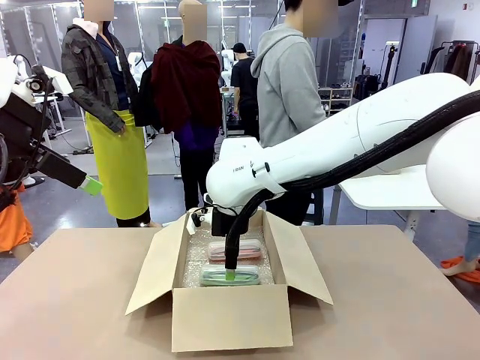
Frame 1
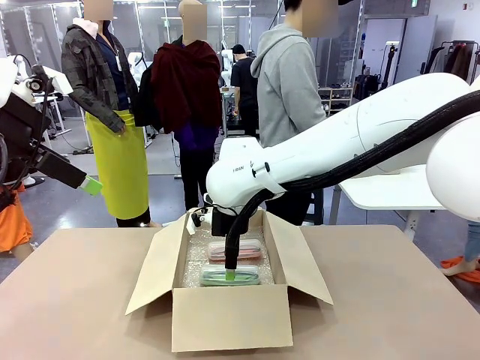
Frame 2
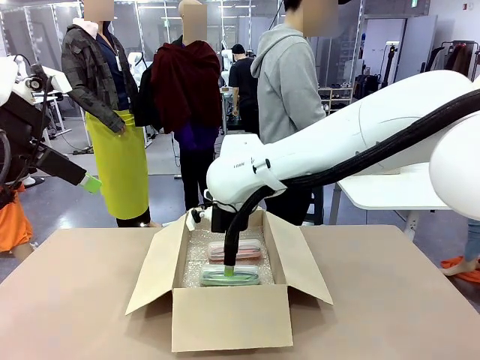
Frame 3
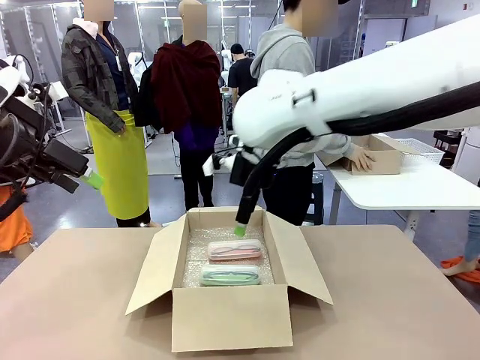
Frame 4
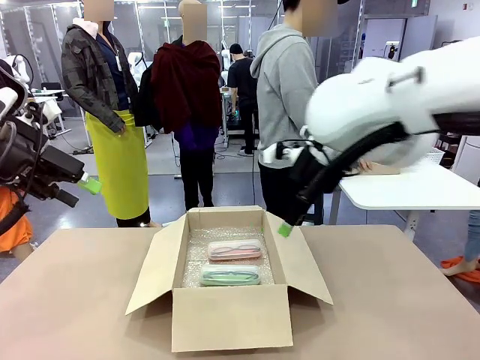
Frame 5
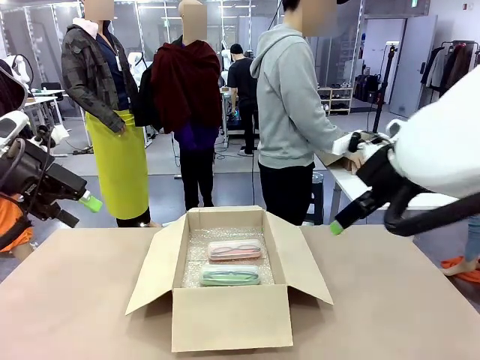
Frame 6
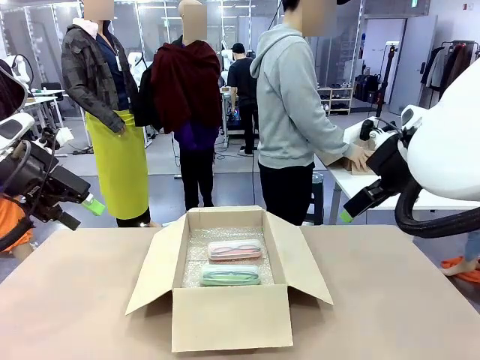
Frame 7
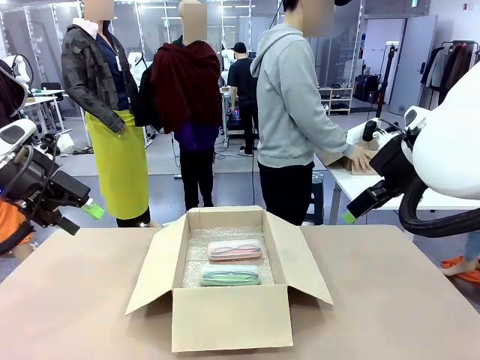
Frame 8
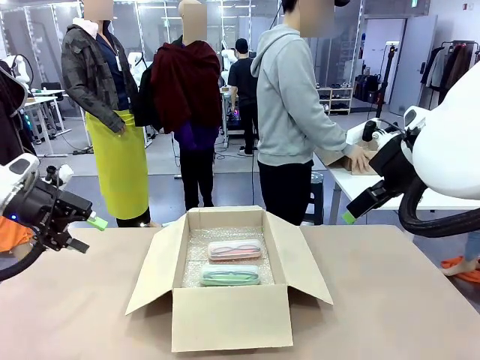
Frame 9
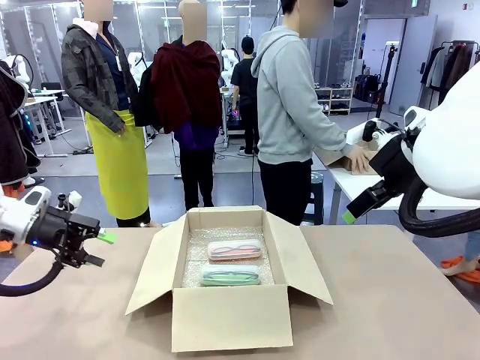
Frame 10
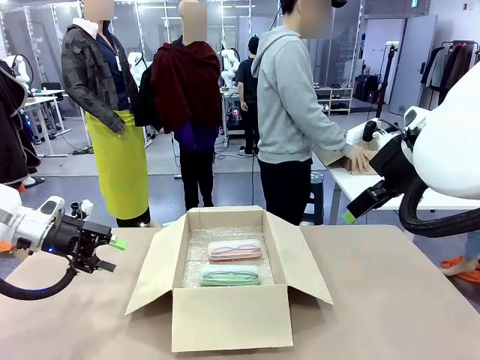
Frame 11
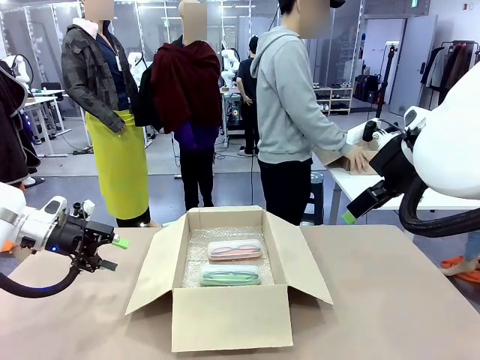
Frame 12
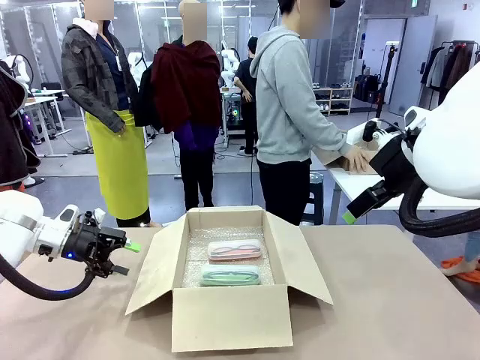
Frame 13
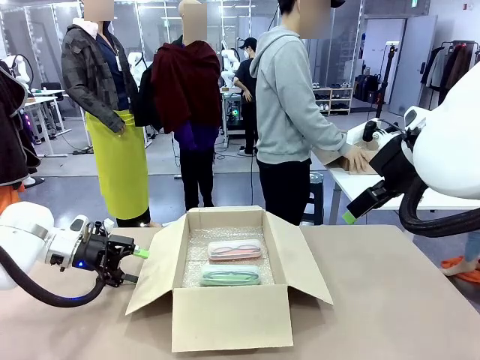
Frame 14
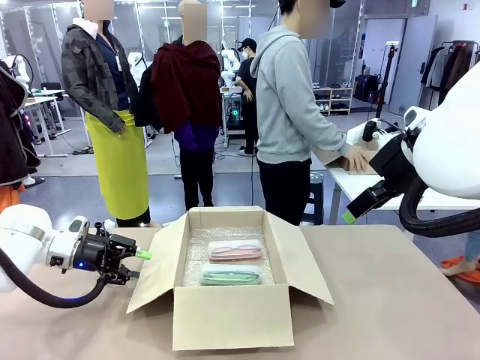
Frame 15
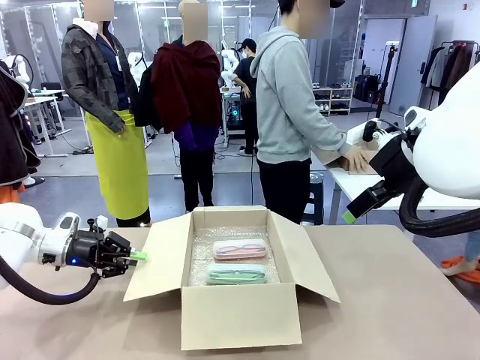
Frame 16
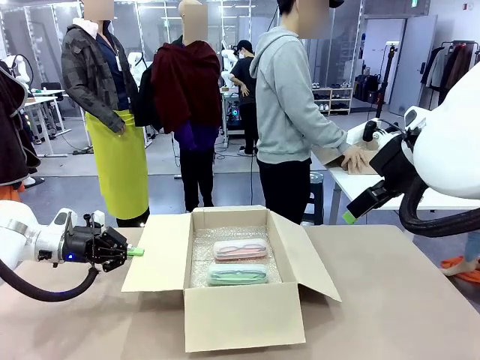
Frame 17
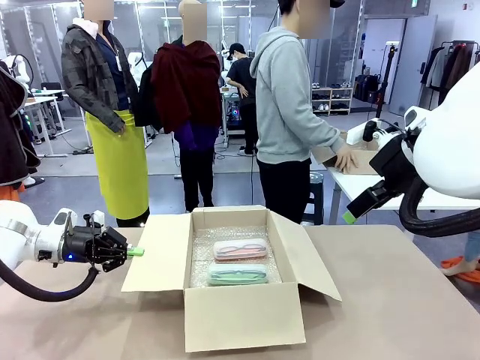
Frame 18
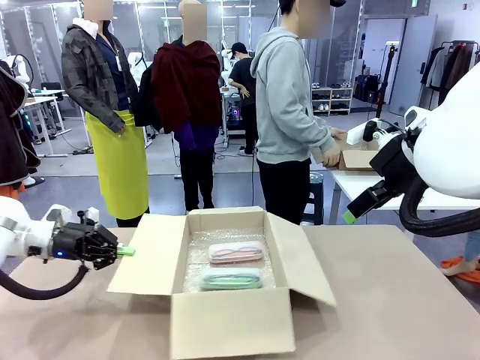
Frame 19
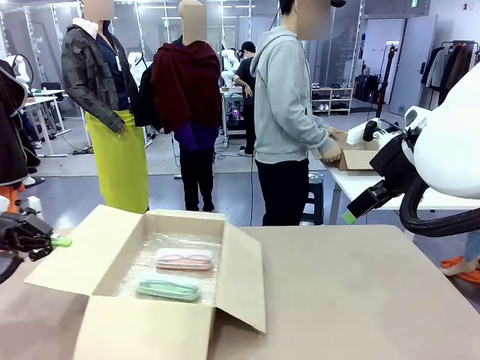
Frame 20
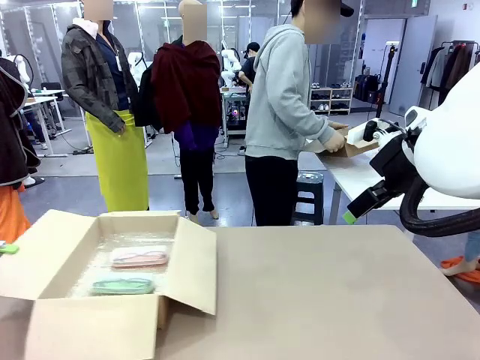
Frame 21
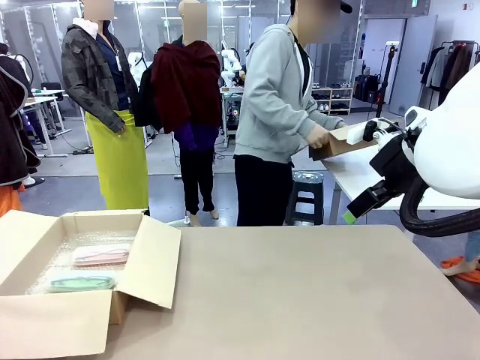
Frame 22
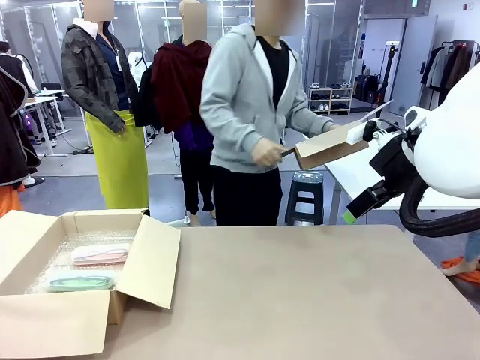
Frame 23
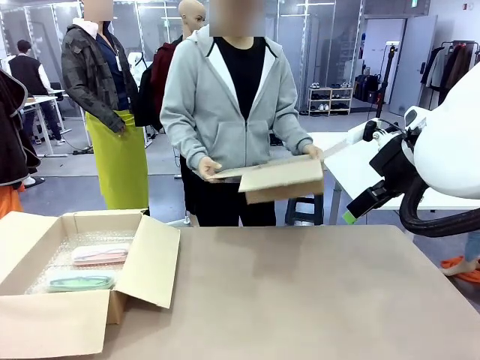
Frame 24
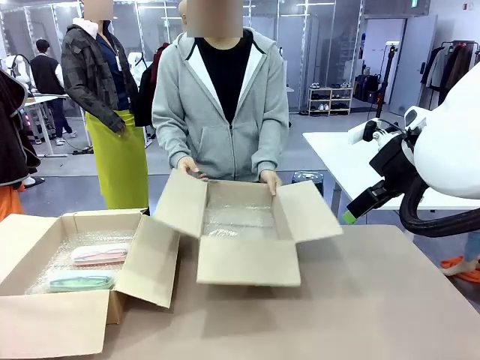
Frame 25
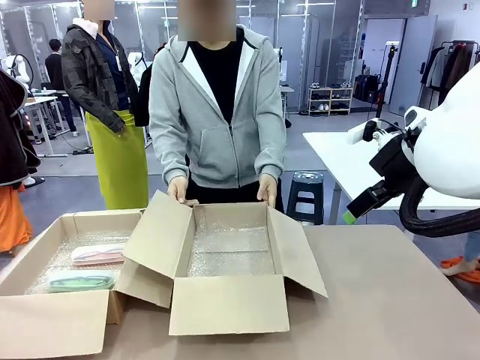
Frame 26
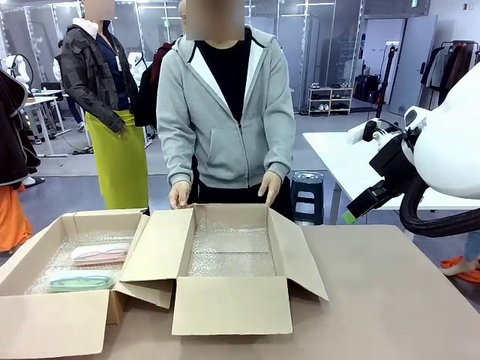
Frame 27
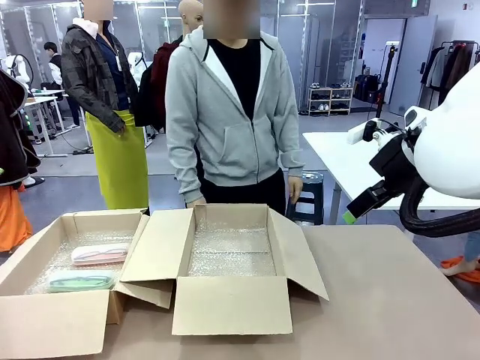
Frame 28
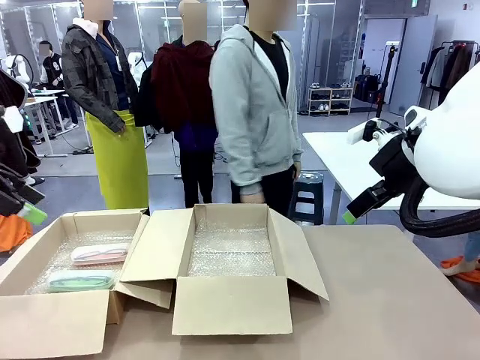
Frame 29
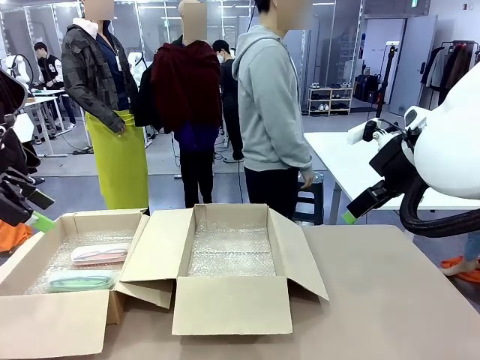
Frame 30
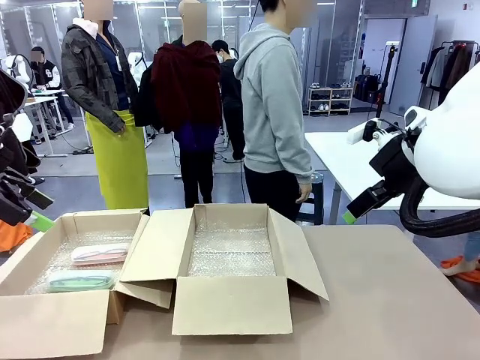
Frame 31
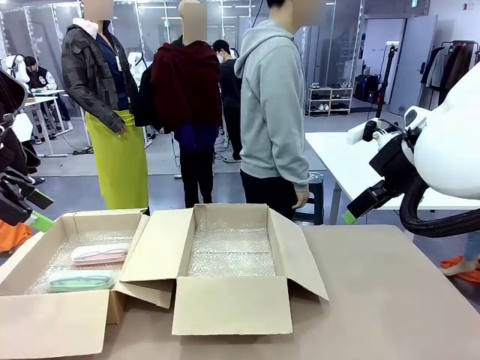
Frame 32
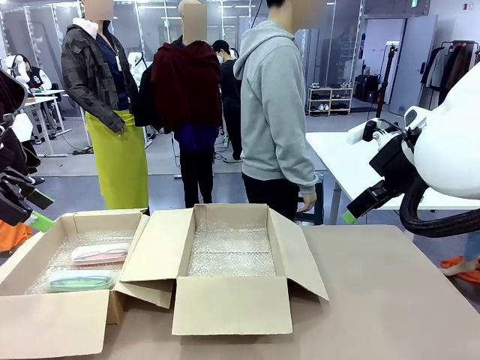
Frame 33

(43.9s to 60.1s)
Task: Pack the glasses set securely to prepare it for shipping.
Robot: Position the Package Box on the left side of the table.
Person: Position the empty Package Box in the middle of the robot's table.

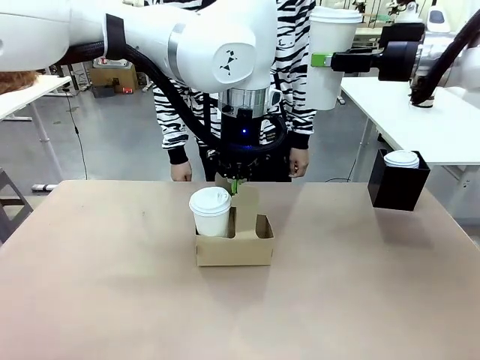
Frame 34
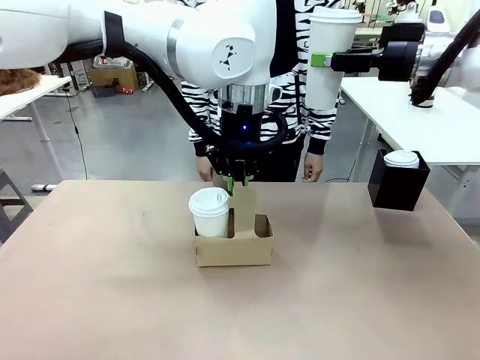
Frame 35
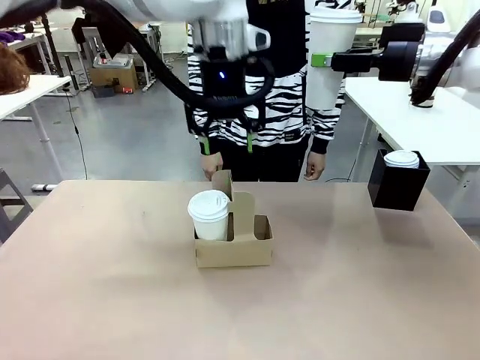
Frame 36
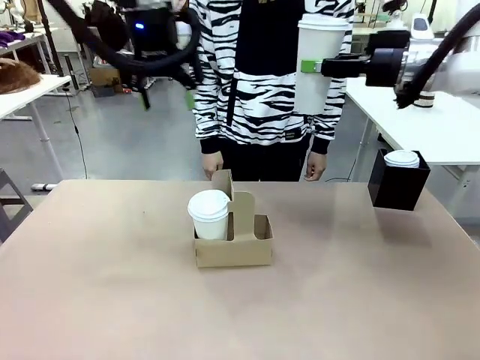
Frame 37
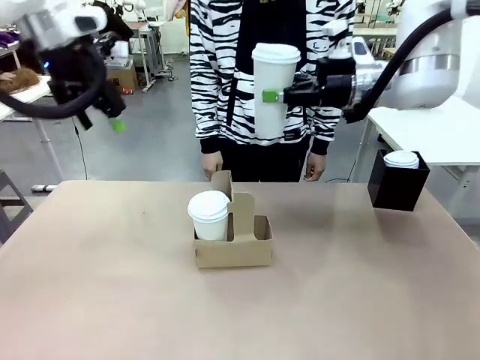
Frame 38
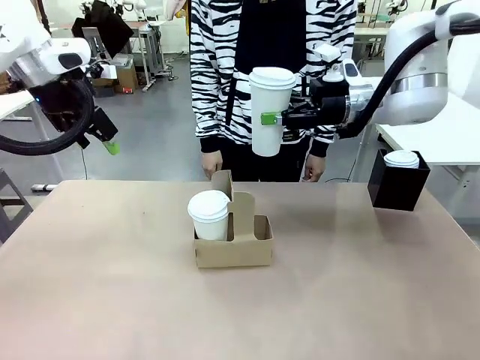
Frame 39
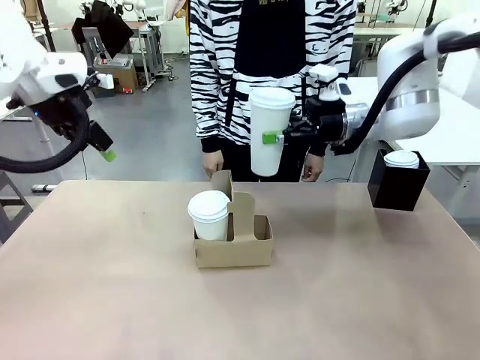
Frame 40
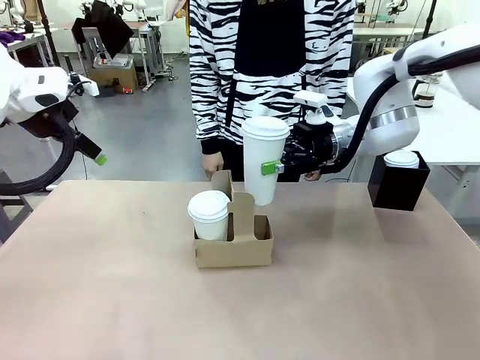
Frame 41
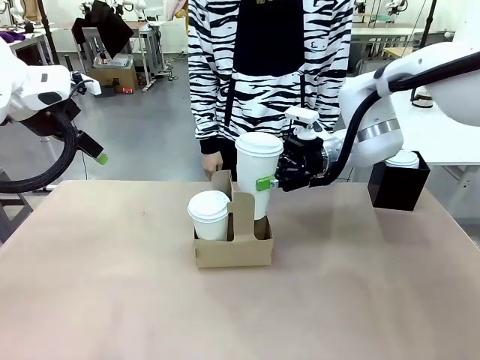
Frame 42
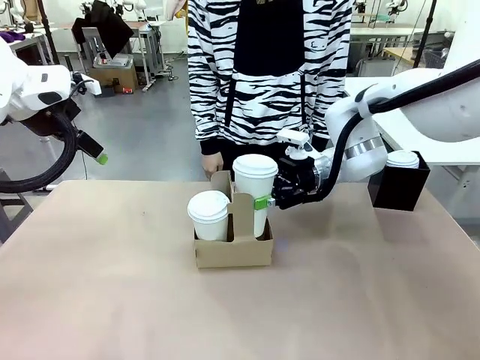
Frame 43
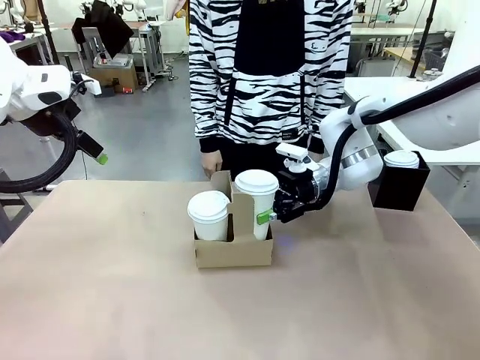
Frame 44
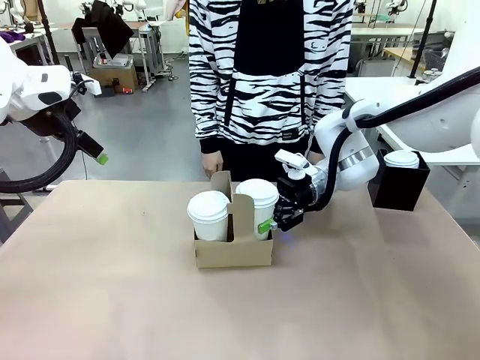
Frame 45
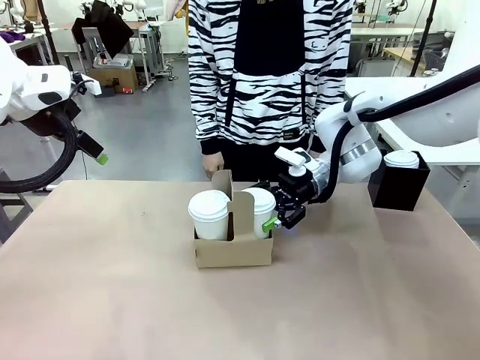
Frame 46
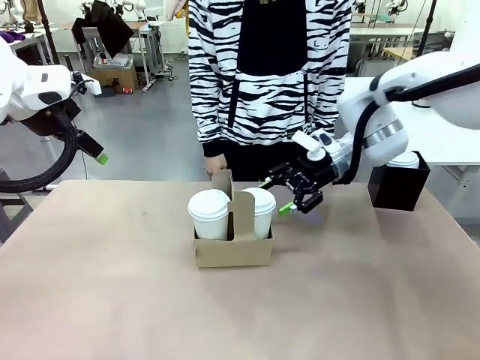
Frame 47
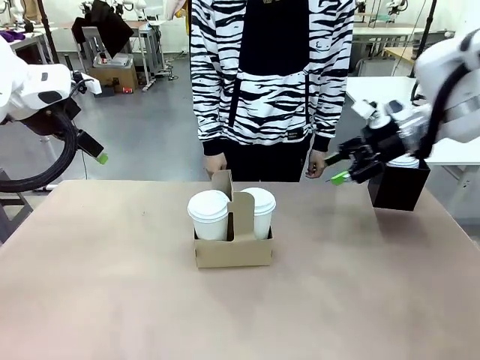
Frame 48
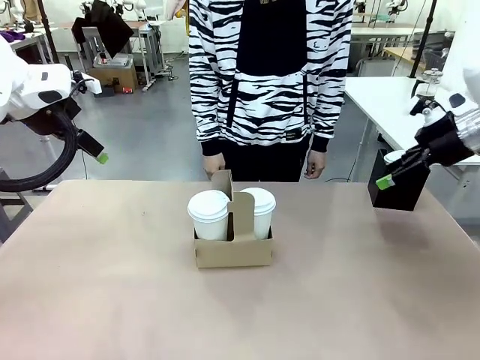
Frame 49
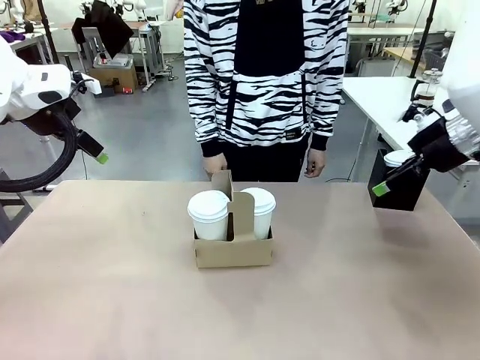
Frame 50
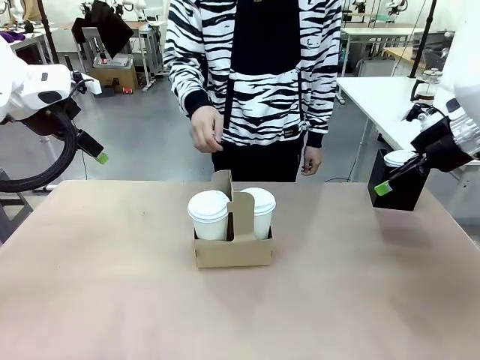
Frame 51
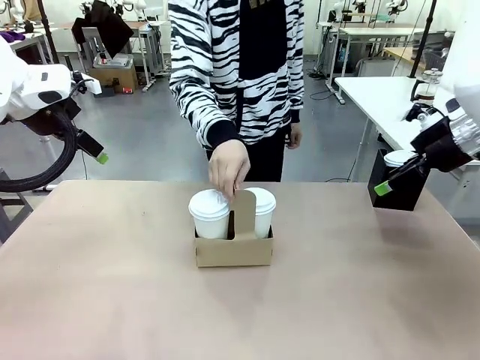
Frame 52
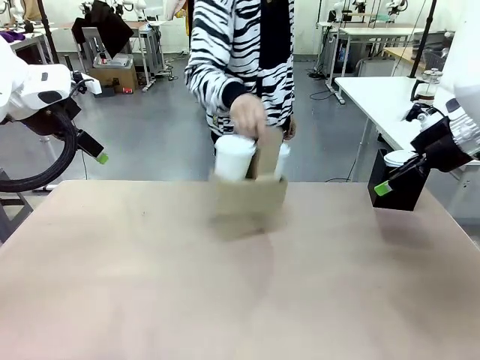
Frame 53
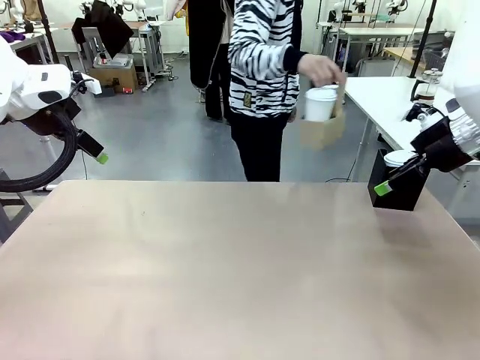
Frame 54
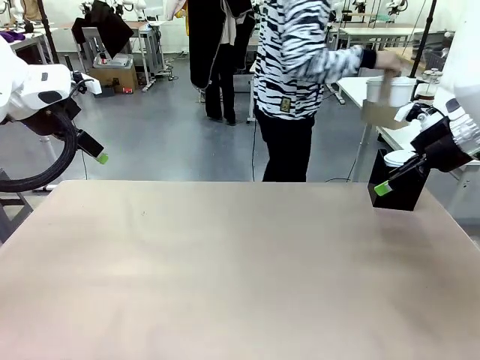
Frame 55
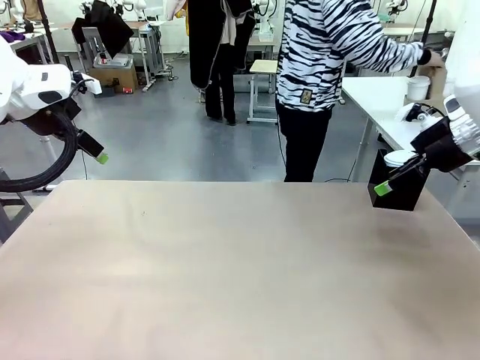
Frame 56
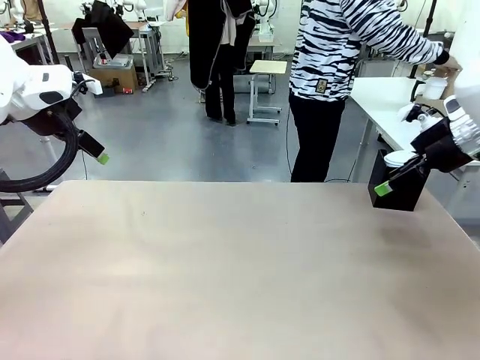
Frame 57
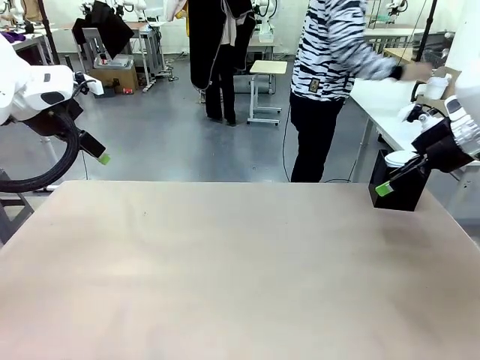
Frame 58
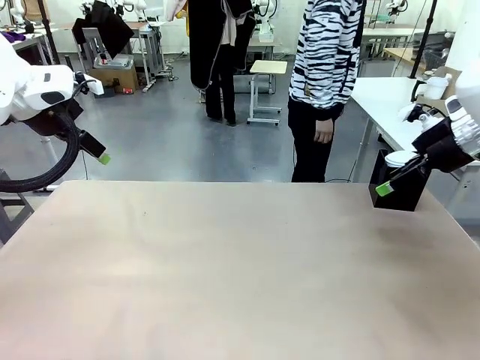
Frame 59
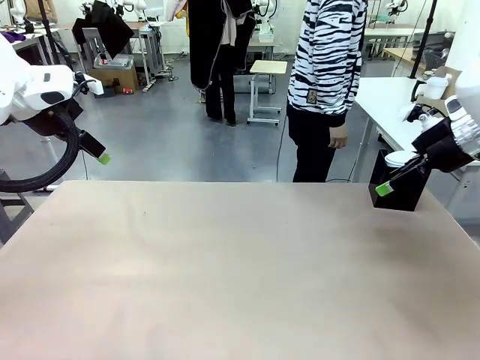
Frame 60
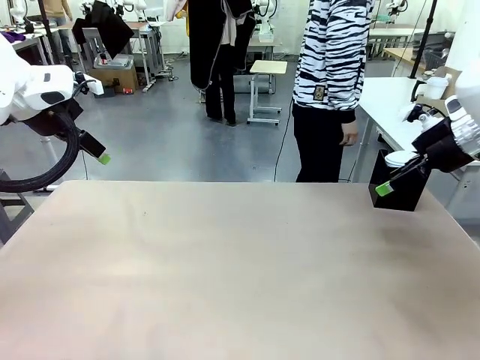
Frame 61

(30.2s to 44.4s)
Task: Pour a drink into a cup and package it in a carrier.
Robot: Insert the held 600 ml Paper Cup into the Cup Carrier.
Person: Place the Cup Carrier to the middle of Human table.
